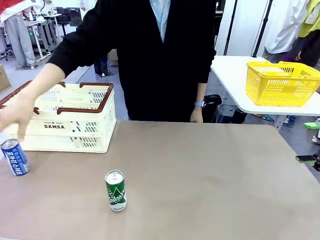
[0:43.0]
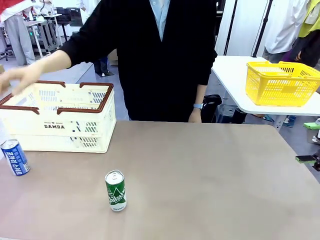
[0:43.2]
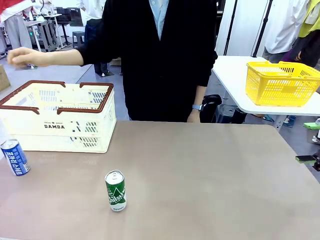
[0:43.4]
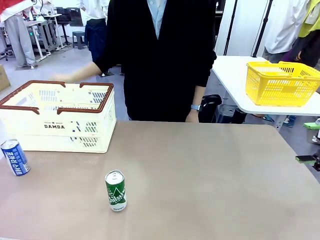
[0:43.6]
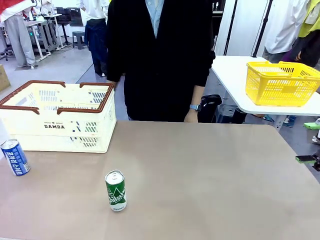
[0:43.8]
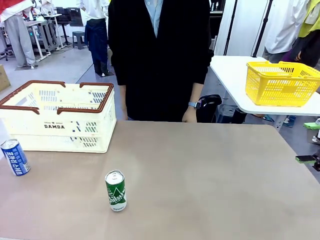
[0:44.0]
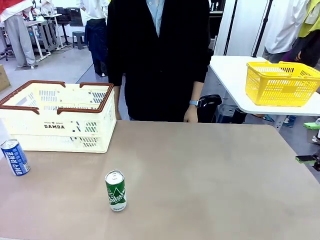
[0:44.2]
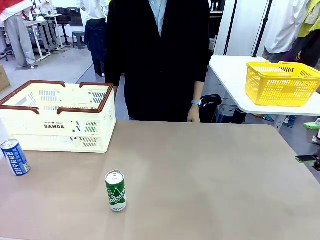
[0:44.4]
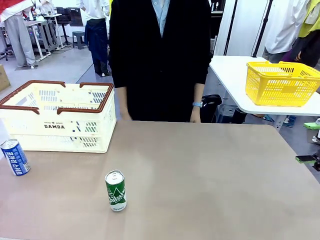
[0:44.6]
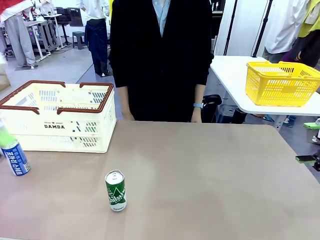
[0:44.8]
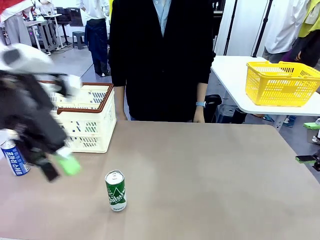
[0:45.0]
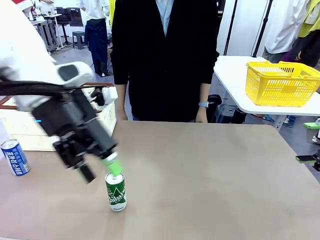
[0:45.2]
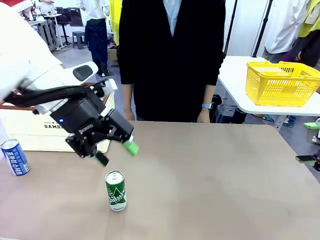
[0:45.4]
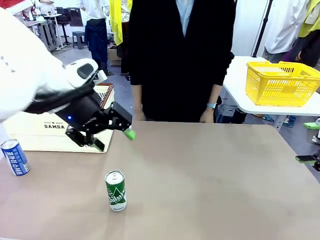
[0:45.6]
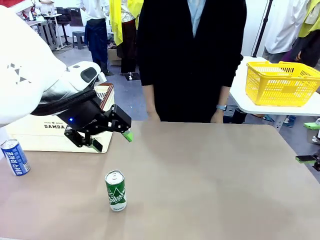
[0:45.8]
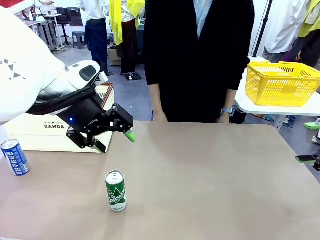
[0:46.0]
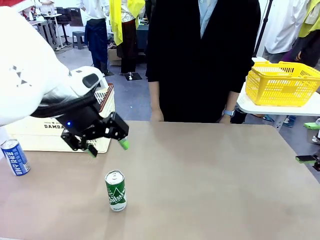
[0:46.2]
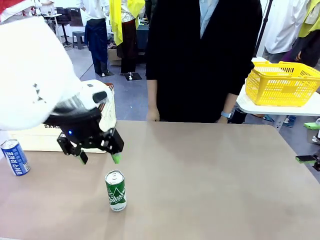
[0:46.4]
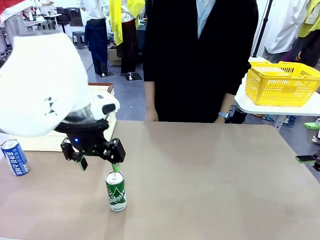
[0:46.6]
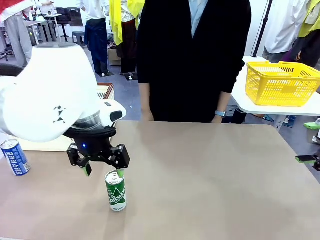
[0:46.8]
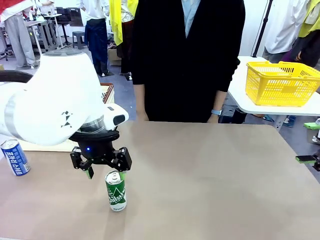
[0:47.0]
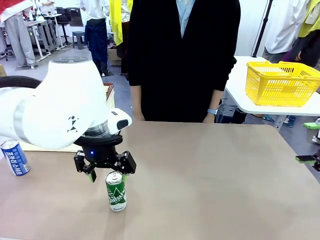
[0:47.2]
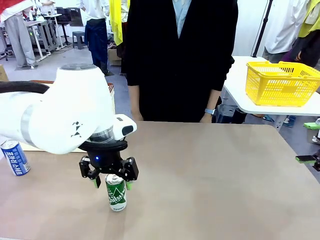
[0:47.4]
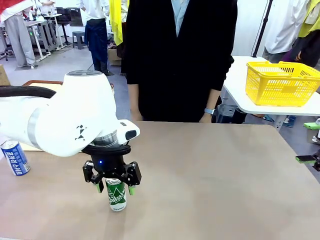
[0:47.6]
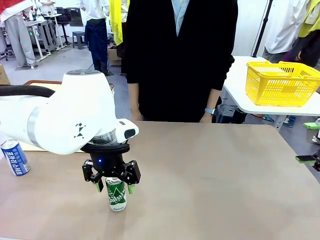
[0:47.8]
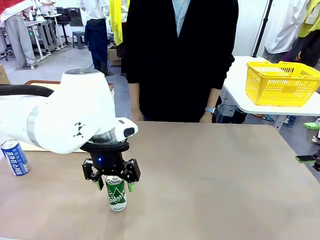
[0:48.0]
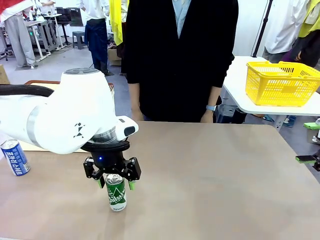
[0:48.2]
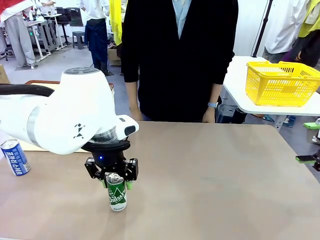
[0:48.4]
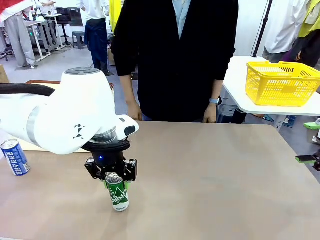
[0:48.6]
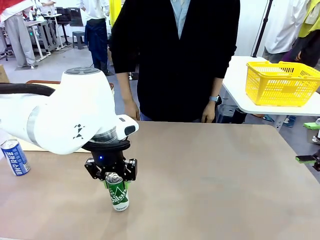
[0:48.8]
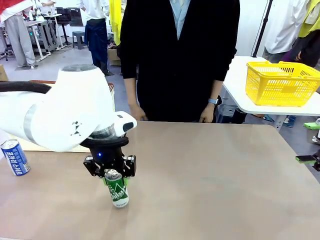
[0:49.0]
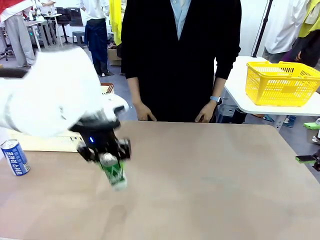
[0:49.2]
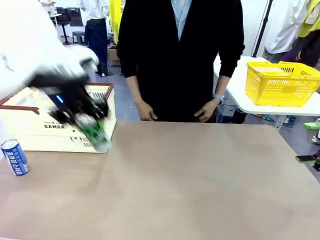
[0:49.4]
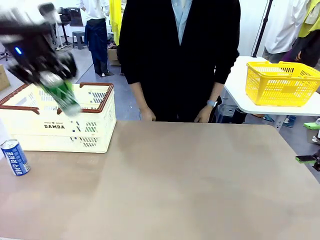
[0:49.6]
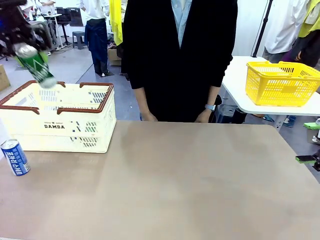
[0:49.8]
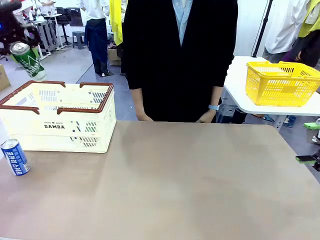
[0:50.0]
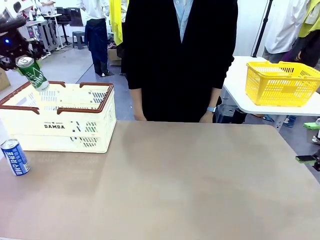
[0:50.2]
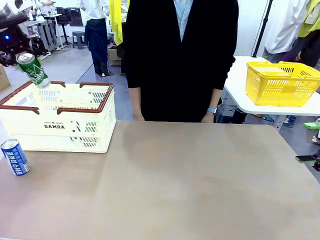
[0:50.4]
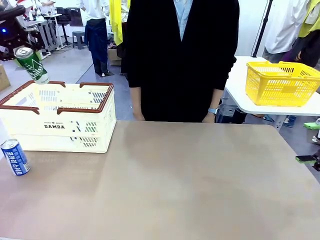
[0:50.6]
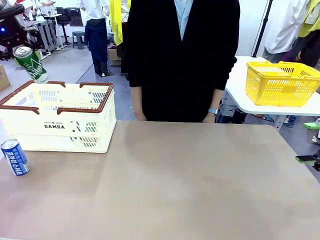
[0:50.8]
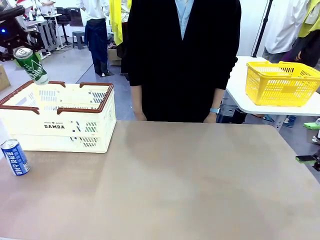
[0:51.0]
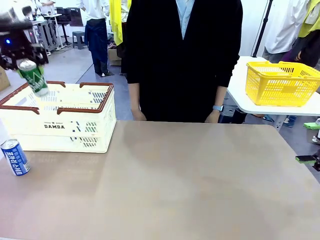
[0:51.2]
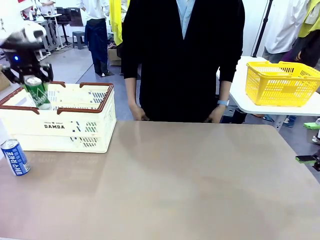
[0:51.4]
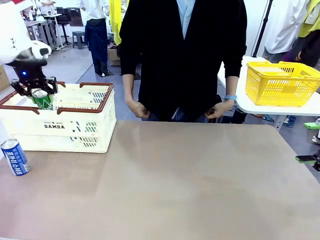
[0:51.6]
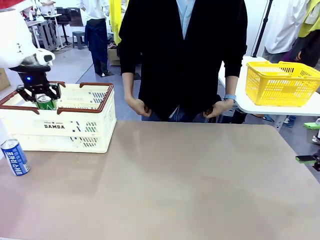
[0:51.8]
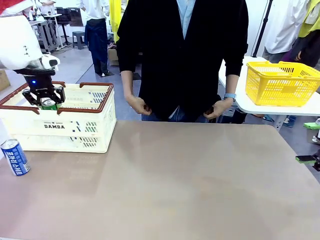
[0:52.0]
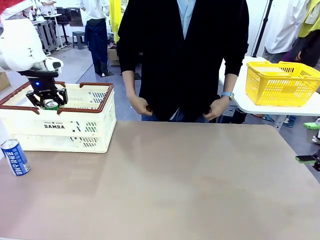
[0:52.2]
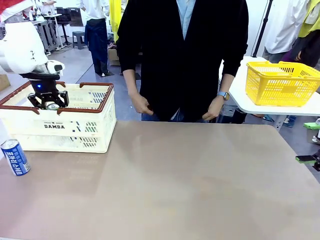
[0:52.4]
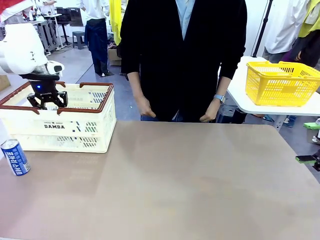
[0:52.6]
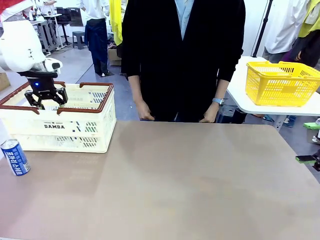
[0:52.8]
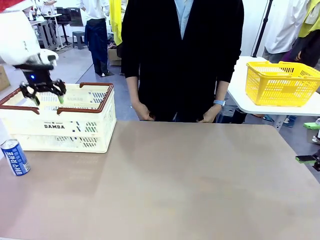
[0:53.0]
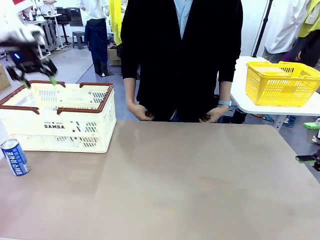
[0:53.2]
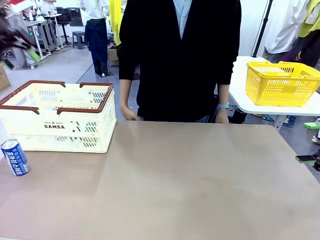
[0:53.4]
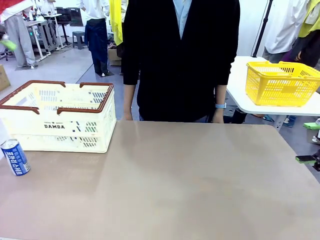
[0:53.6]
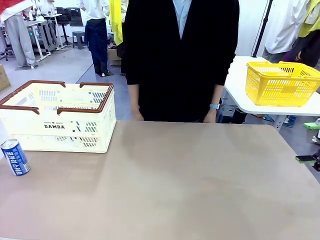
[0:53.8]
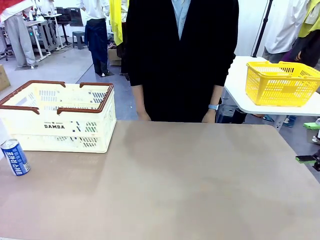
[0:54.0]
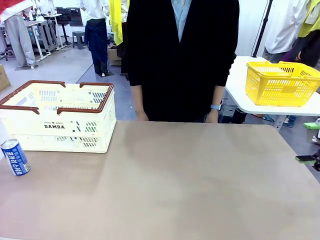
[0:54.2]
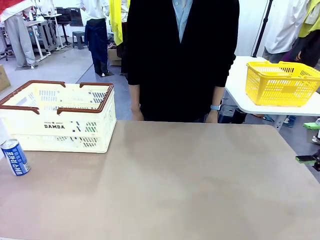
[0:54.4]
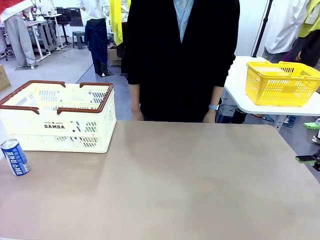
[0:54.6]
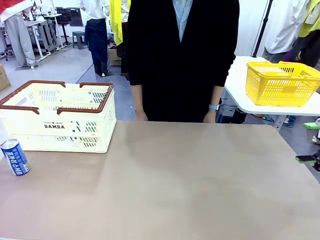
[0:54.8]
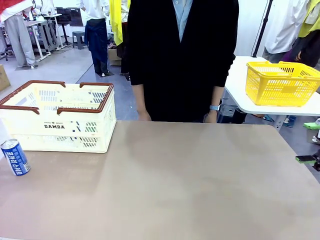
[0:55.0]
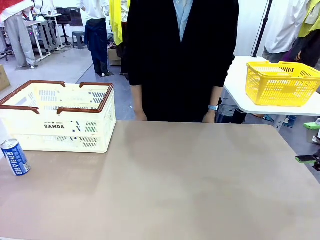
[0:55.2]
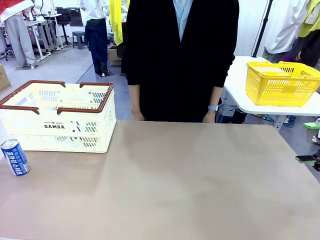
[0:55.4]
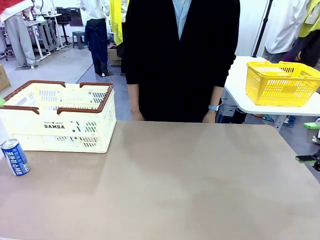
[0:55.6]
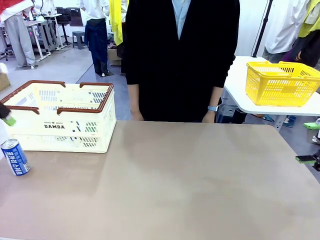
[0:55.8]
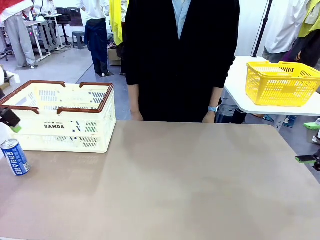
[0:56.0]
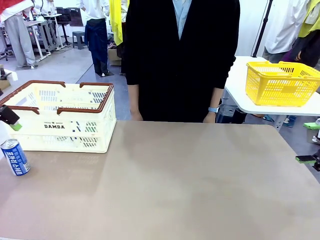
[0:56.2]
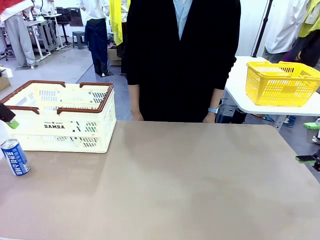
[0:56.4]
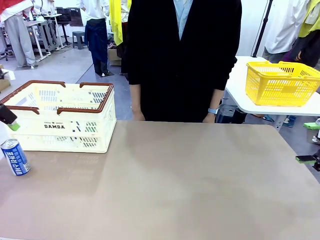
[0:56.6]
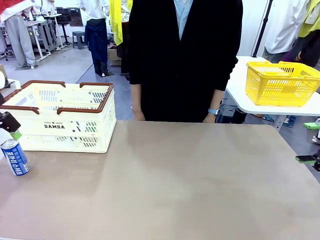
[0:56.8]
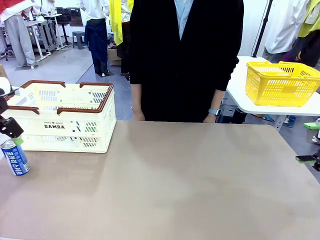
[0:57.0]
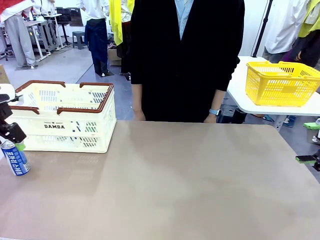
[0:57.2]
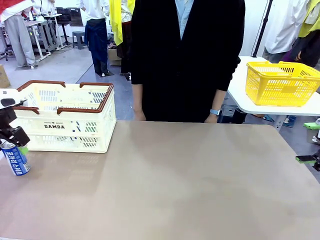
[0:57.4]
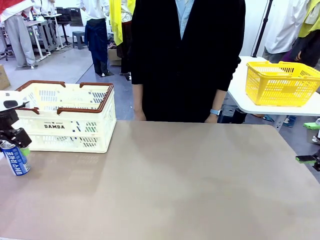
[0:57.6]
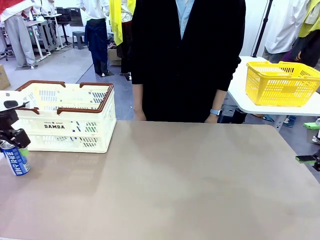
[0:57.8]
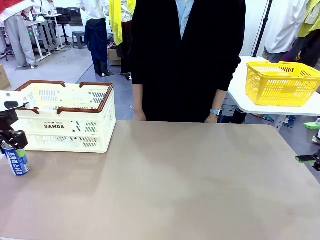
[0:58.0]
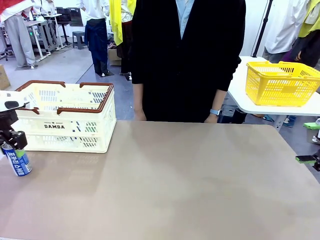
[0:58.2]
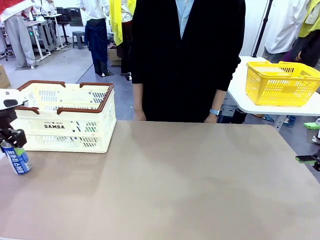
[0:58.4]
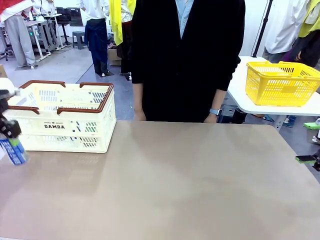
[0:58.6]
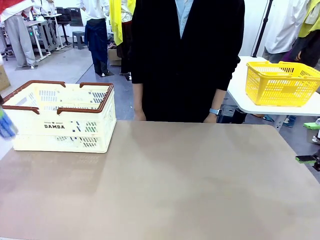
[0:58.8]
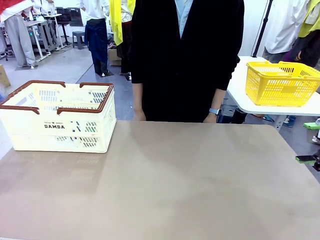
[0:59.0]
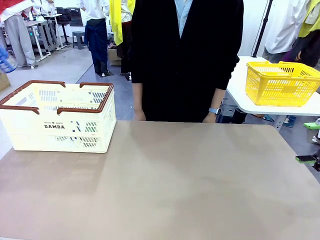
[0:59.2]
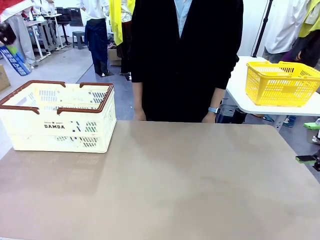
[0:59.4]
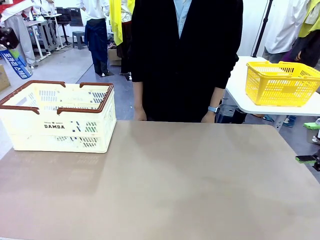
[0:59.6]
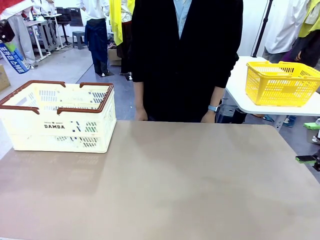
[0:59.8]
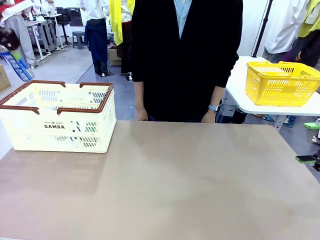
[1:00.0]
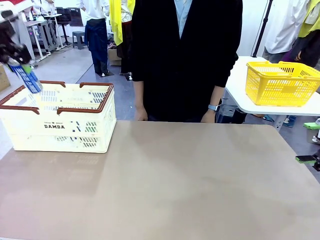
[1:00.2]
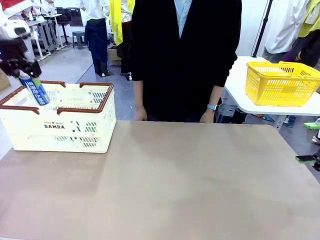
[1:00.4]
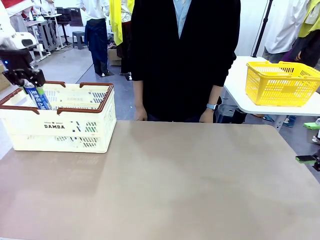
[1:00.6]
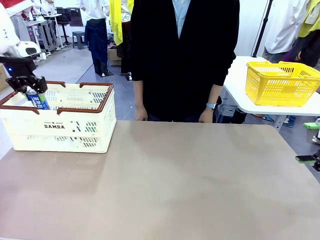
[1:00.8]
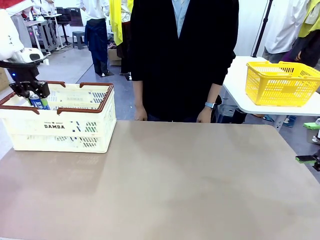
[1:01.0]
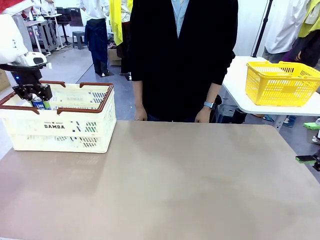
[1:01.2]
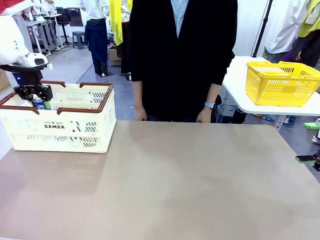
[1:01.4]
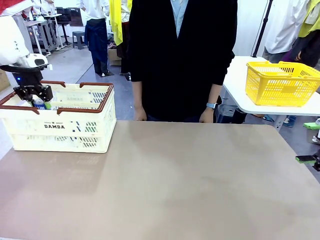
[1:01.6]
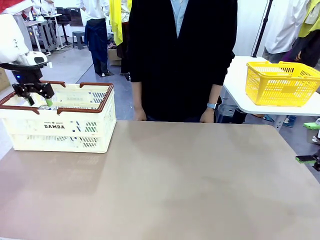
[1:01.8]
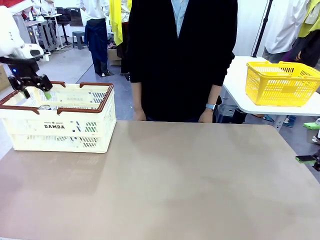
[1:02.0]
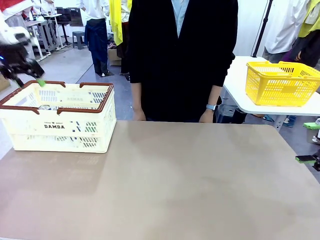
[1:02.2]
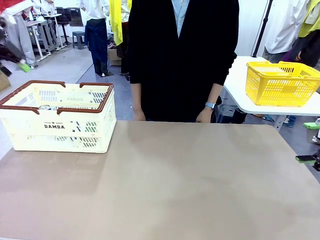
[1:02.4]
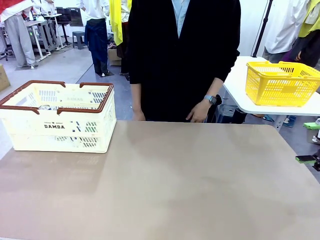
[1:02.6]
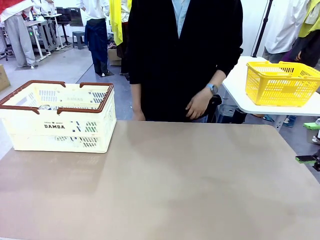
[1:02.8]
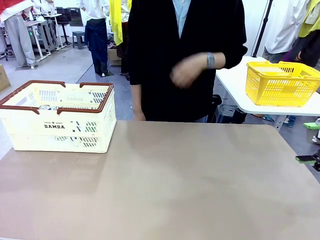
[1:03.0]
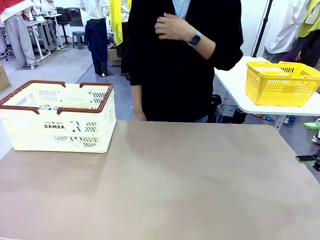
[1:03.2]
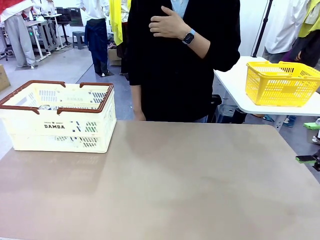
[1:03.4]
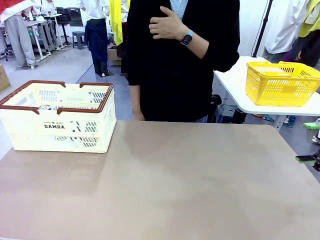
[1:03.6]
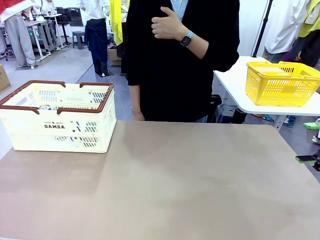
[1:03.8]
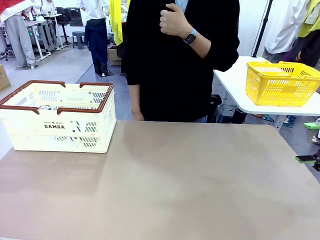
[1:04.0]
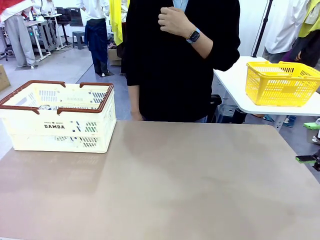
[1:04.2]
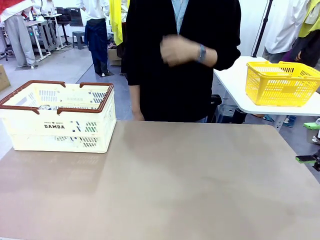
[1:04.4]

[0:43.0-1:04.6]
Task: Place the drinks into the Shopping basket.
Robot: Pick up one drink and place it into the Shopping basket.
